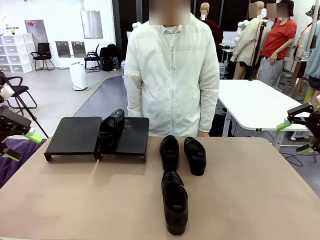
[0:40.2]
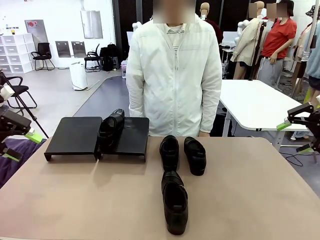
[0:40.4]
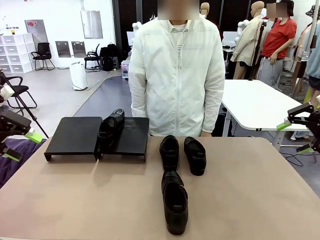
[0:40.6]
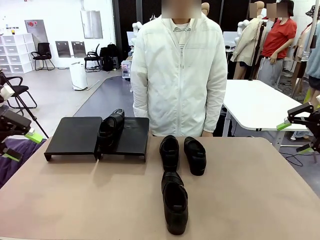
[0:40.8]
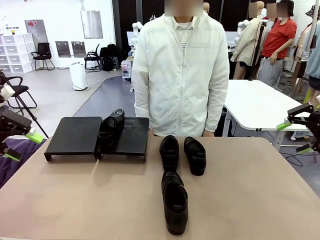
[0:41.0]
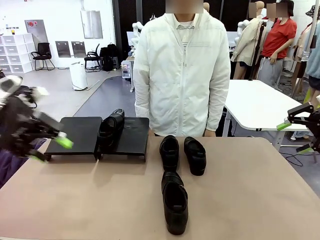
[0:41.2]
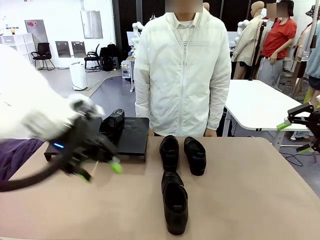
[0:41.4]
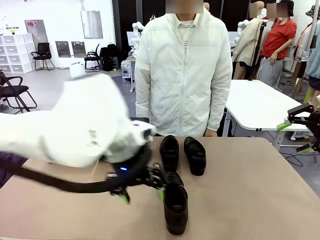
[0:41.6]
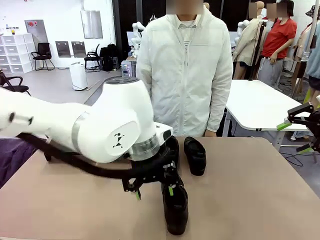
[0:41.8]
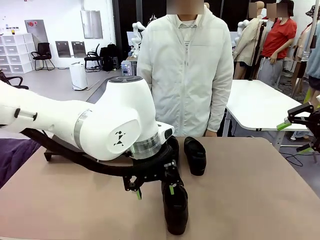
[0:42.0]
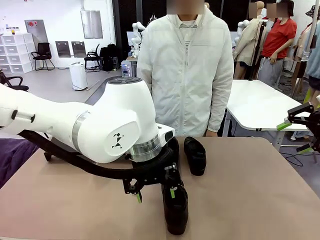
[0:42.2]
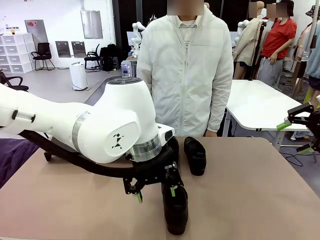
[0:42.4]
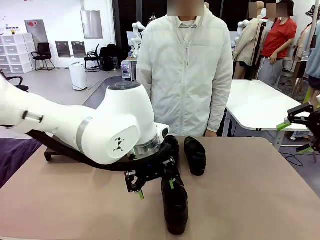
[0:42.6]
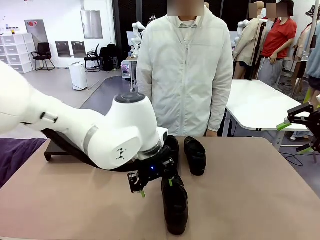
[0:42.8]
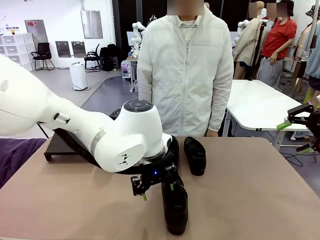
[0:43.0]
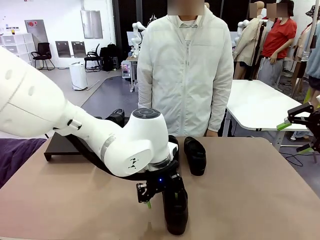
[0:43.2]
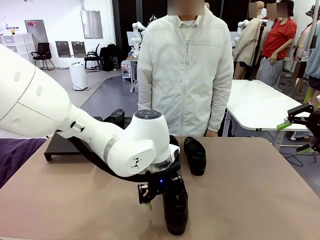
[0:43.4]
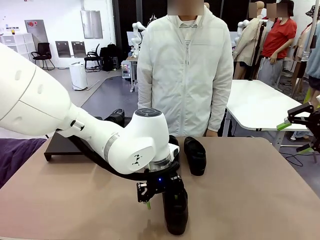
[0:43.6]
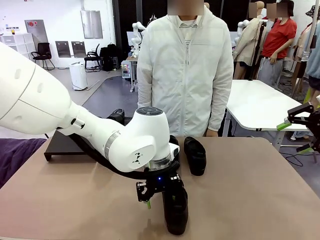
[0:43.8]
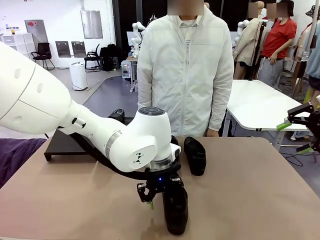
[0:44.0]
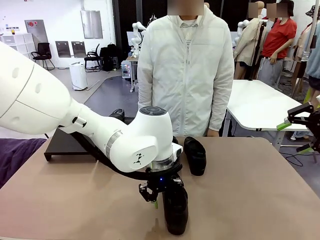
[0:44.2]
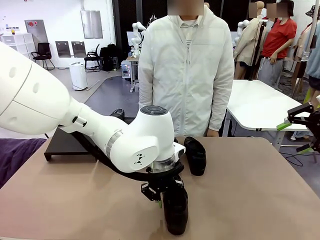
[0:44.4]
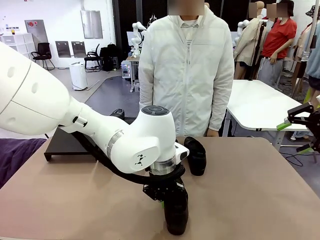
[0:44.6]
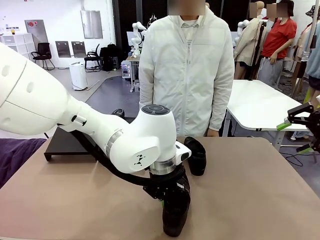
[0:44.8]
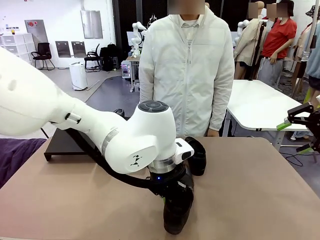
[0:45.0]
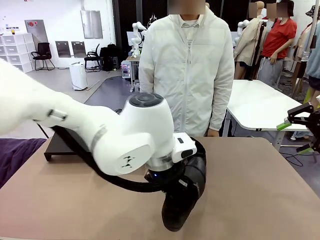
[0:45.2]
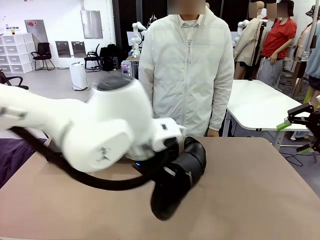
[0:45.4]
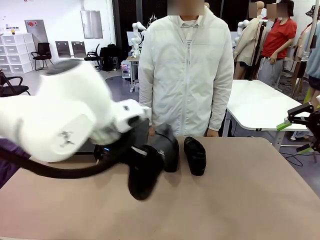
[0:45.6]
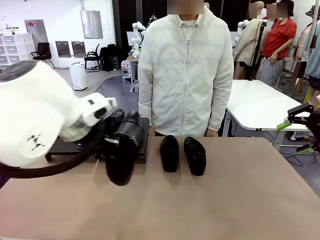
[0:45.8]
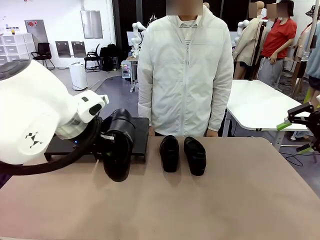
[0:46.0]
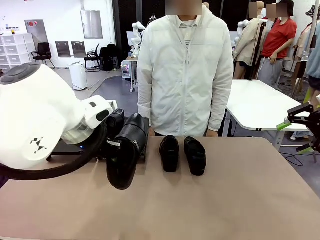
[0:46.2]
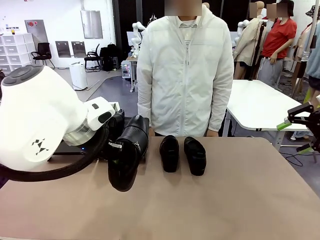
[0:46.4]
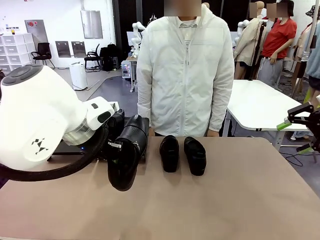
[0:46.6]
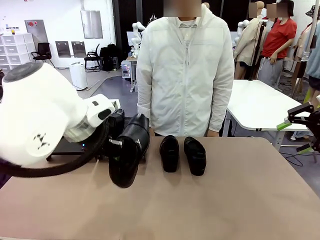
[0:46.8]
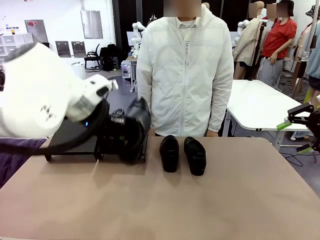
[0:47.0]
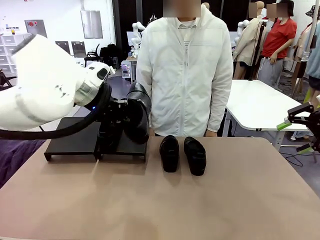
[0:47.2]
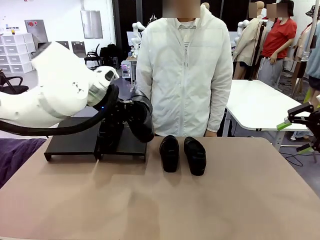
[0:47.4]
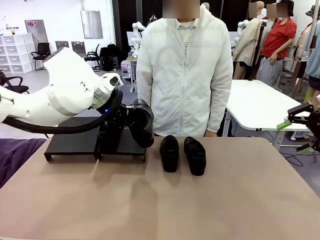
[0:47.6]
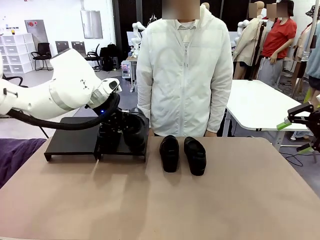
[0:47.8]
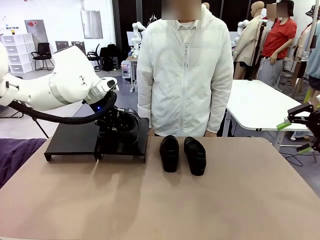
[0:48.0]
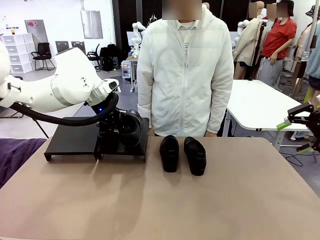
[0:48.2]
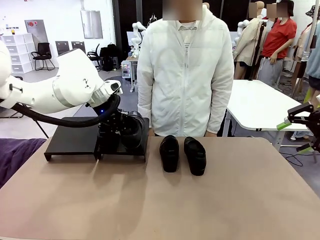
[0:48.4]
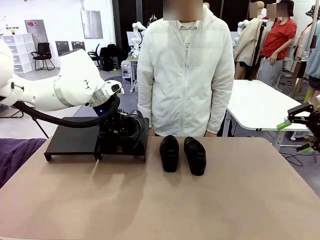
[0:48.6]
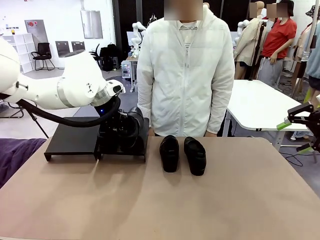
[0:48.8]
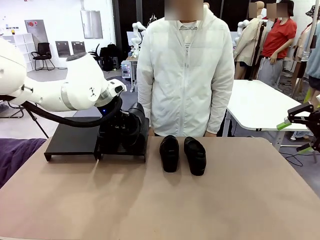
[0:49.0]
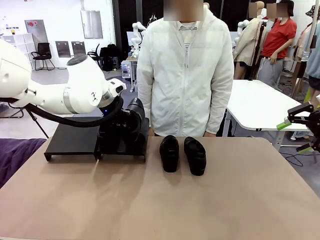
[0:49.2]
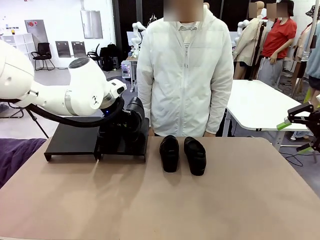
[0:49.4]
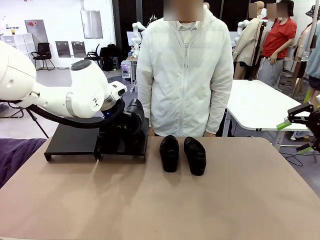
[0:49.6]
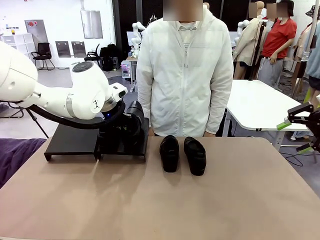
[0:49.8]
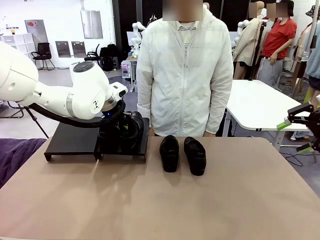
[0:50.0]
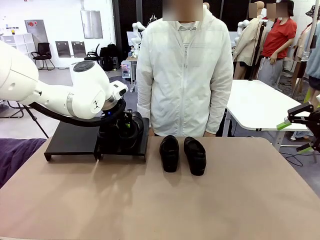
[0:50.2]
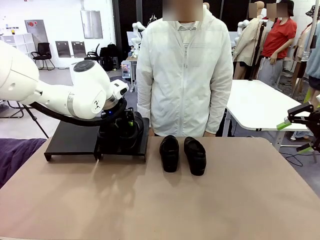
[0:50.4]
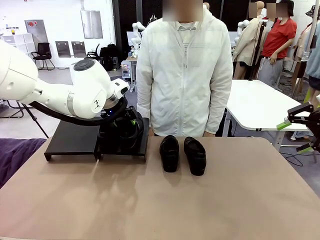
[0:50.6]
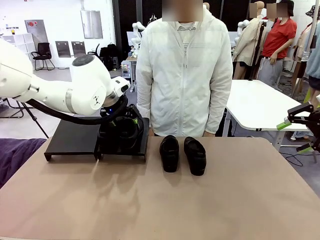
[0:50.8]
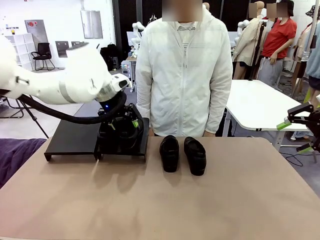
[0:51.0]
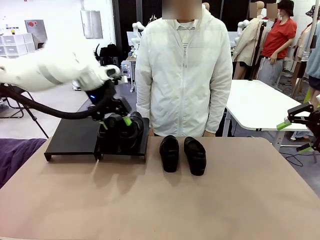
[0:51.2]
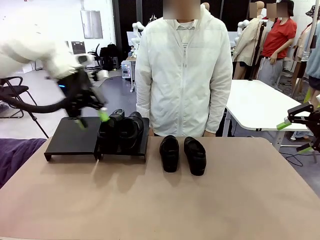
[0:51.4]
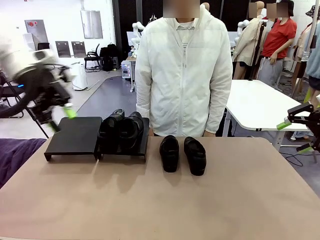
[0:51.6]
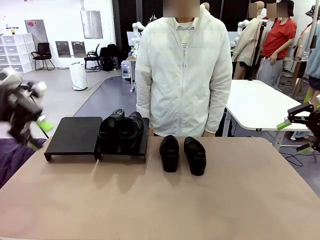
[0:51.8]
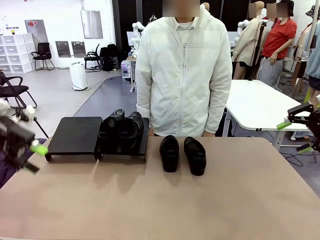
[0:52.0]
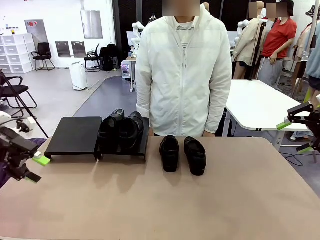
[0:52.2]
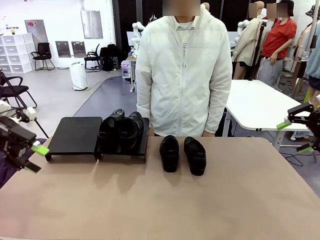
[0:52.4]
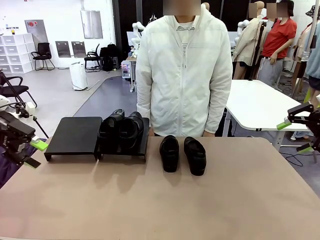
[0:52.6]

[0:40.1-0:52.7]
Task: Organize the shoes by placing them on the stand.
Robot: Place the Shoe from the middle of the table onto the Shoes Stand.

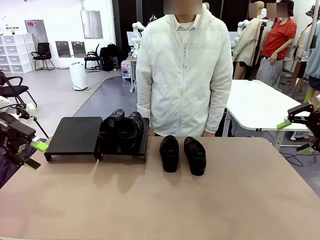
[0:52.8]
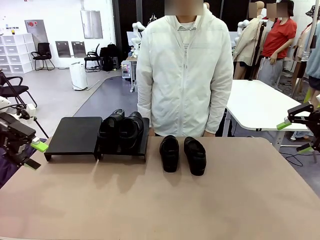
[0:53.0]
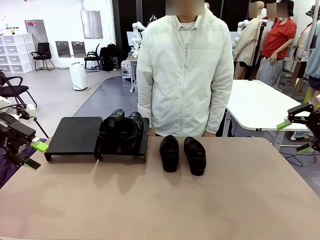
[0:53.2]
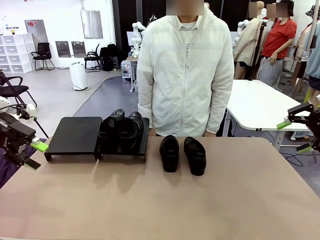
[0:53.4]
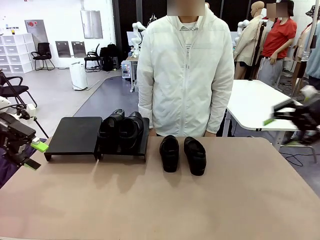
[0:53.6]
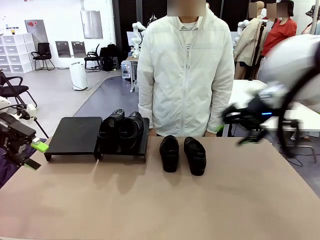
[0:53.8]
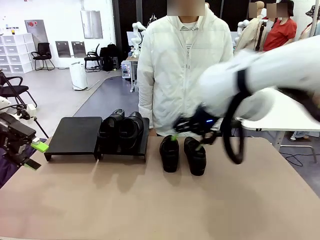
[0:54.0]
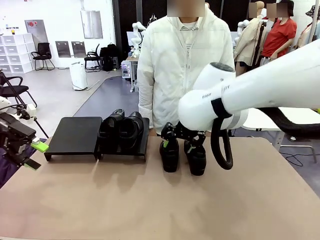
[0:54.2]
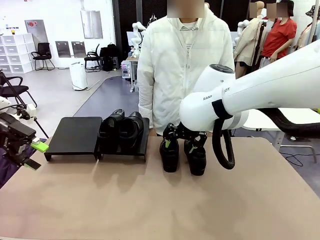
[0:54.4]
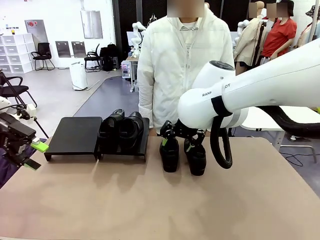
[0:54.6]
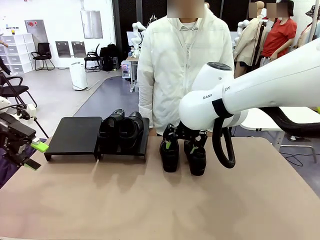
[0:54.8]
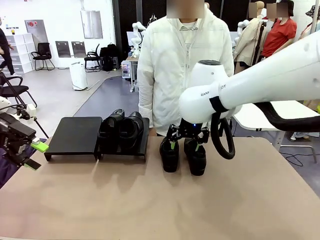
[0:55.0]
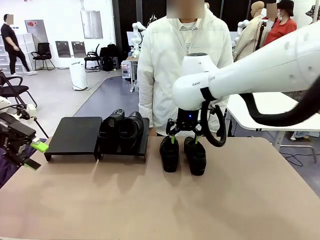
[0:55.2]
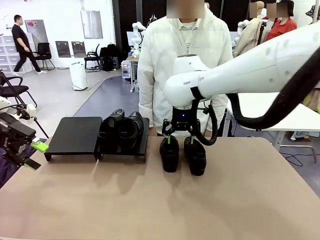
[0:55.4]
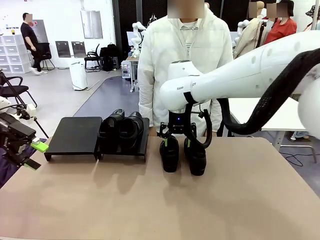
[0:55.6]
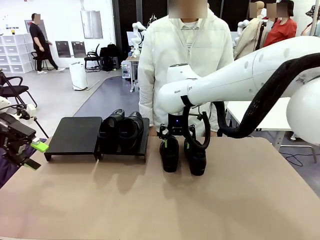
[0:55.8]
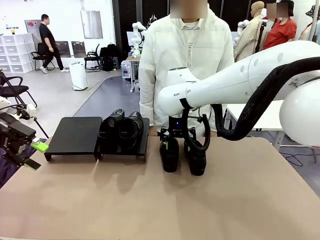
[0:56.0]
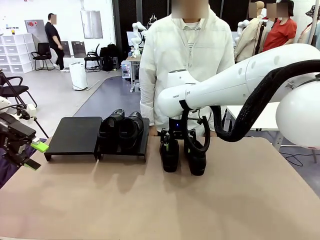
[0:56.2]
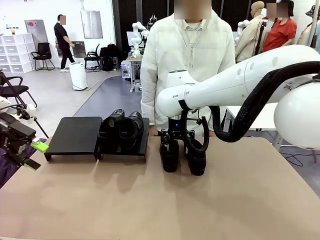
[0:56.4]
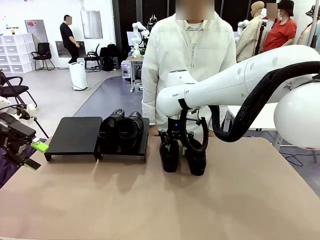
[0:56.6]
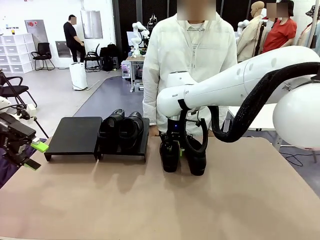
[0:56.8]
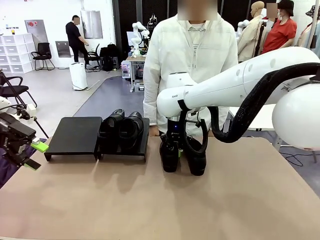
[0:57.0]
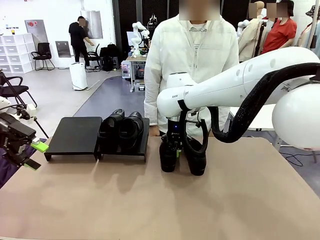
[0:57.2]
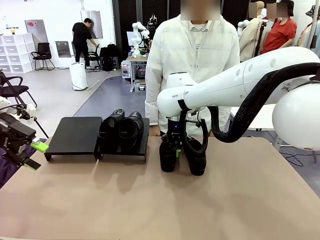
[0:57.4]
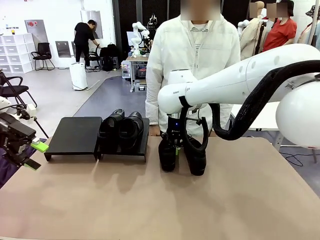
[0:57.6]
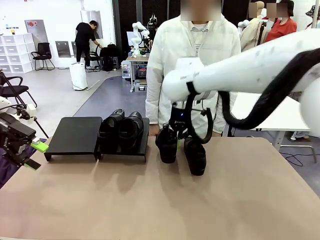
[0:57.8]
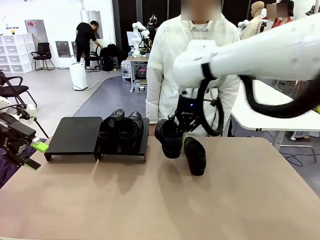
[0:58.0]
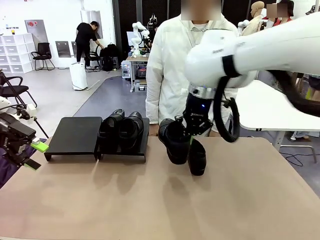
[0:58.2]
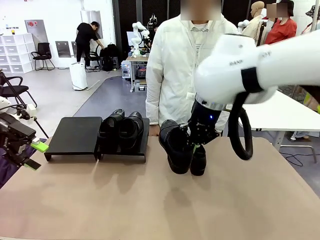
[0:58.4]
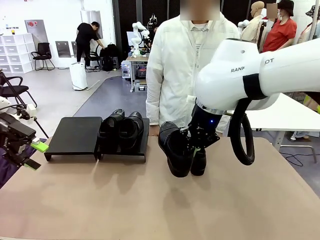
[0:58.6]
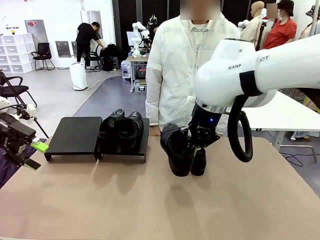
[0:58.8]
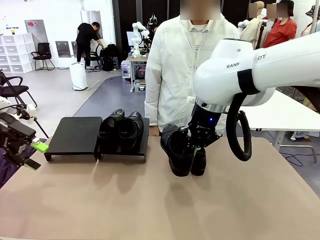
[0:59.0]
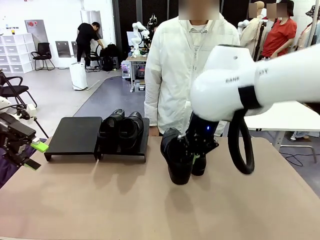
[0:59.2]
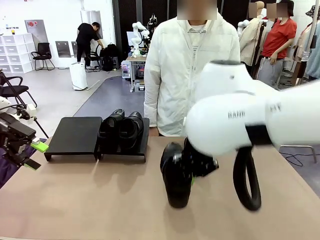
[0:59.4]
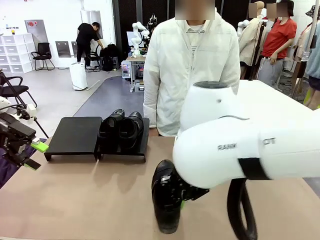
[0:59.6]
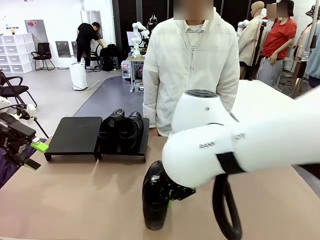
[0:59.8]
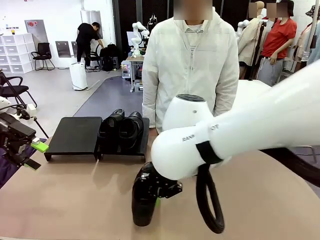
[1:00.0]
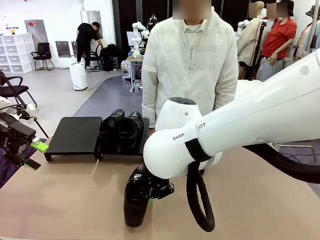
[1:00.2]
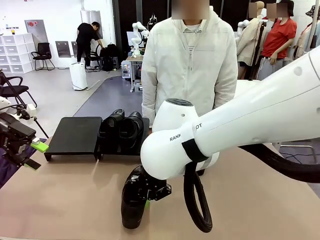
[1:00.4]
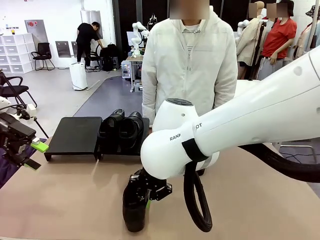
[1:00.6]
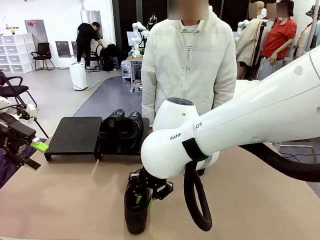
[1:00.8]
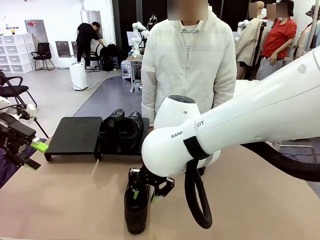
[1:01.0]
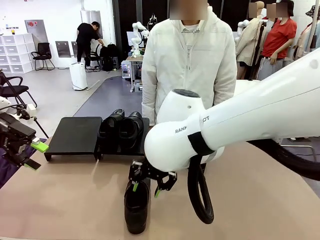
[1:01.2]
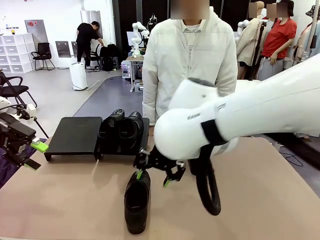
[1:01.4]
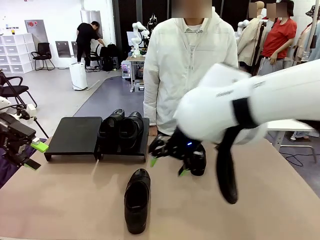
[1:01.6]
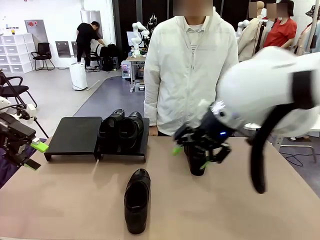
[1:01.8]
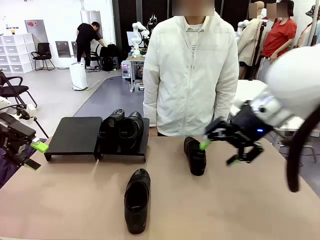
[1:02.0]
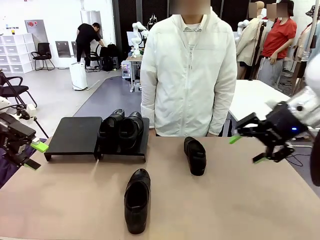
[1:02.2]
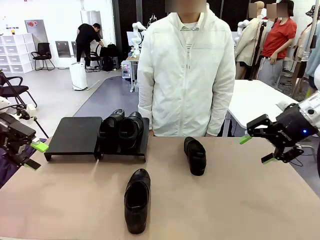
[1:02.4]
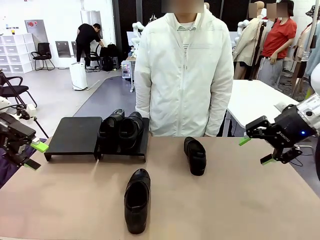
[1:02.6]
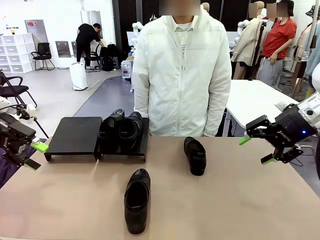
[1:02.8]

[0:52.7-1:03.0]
Robot: Pick up one Shoe and place it in the middle of the table.
